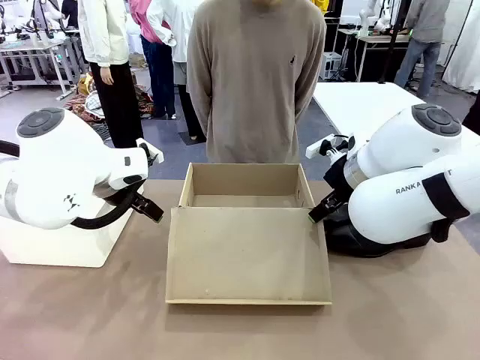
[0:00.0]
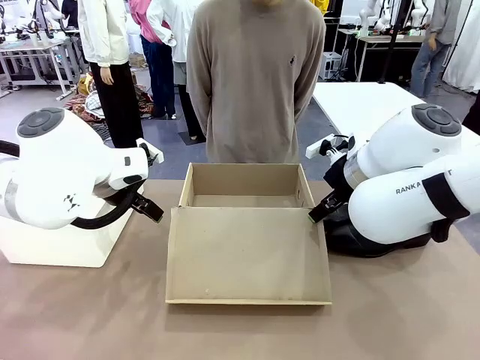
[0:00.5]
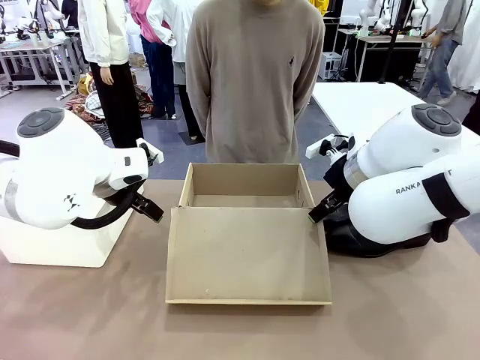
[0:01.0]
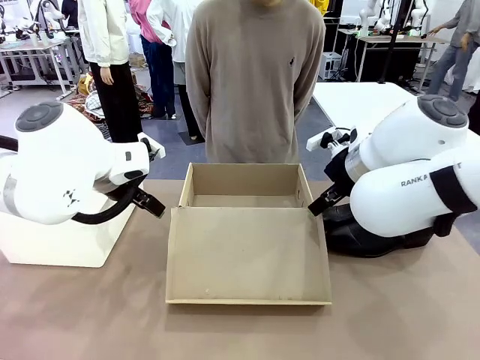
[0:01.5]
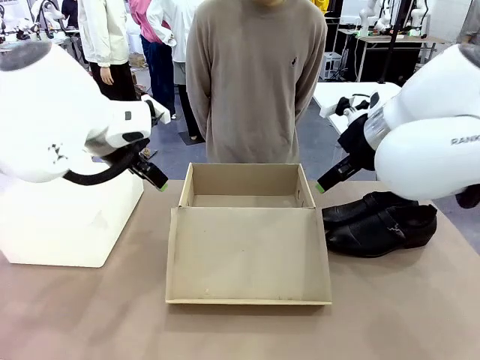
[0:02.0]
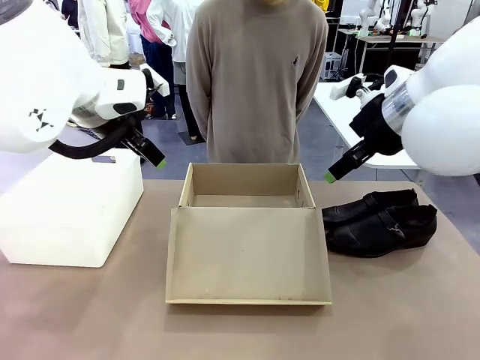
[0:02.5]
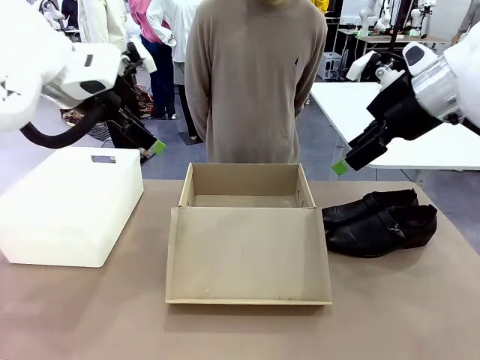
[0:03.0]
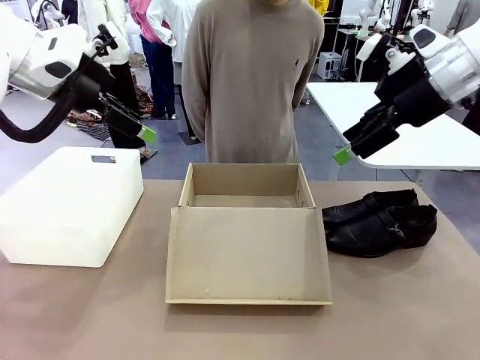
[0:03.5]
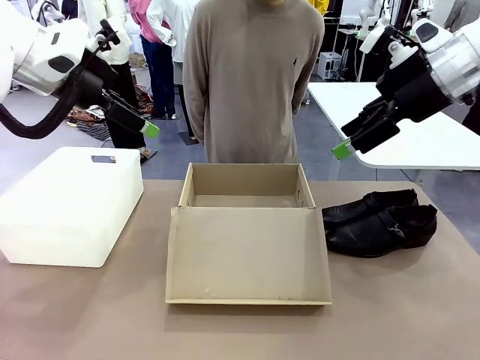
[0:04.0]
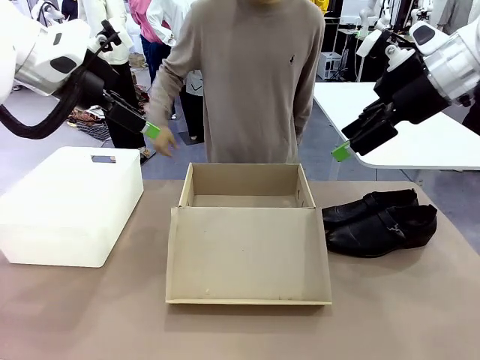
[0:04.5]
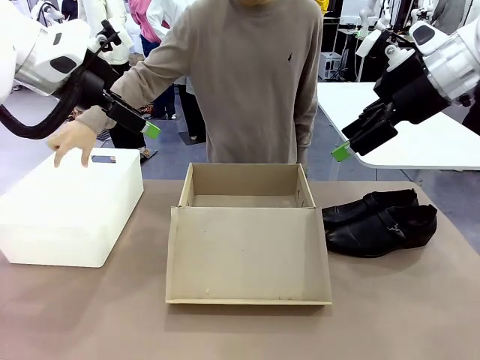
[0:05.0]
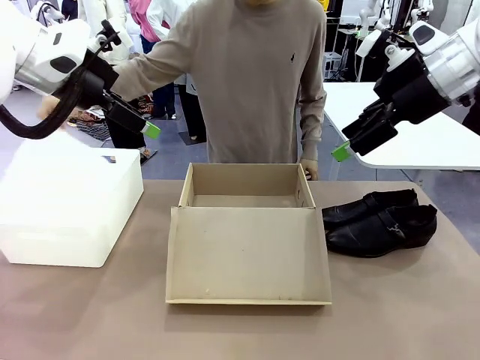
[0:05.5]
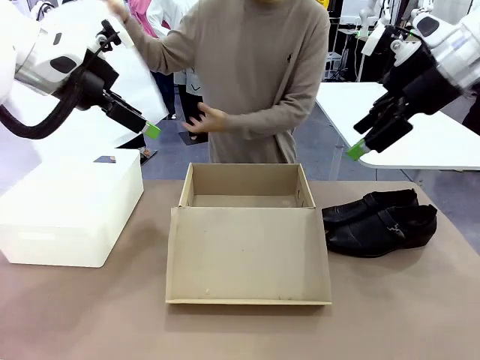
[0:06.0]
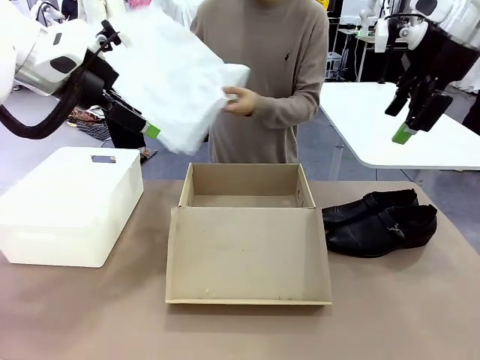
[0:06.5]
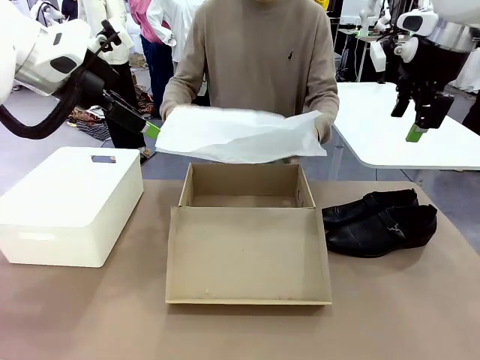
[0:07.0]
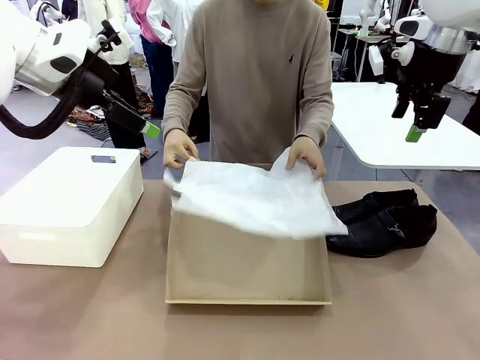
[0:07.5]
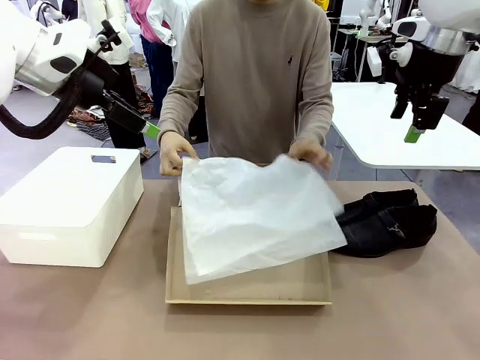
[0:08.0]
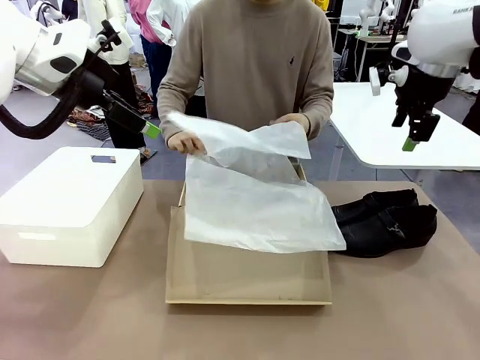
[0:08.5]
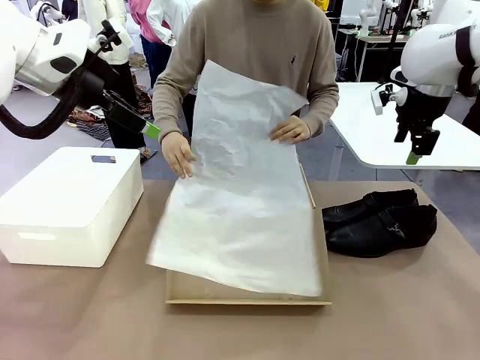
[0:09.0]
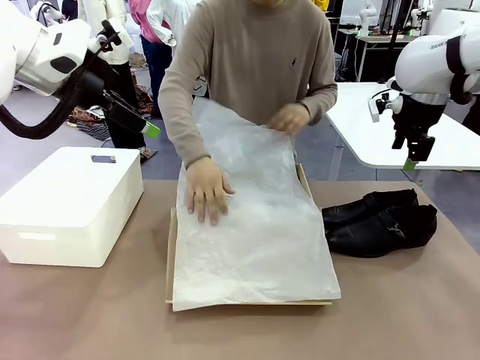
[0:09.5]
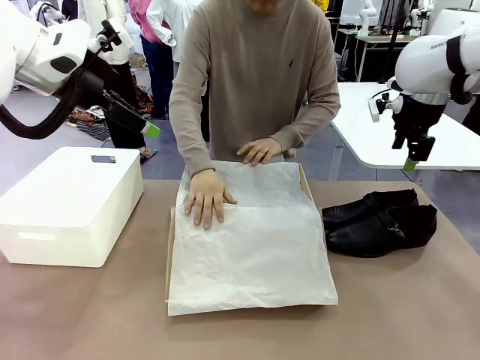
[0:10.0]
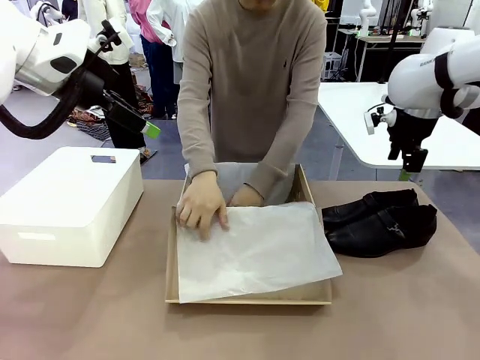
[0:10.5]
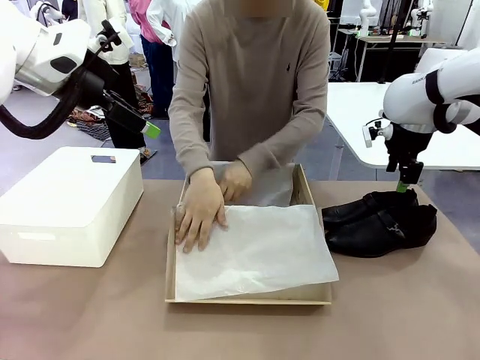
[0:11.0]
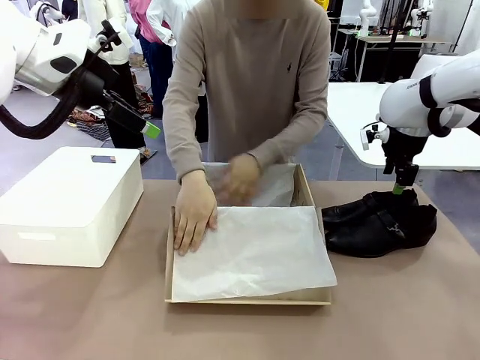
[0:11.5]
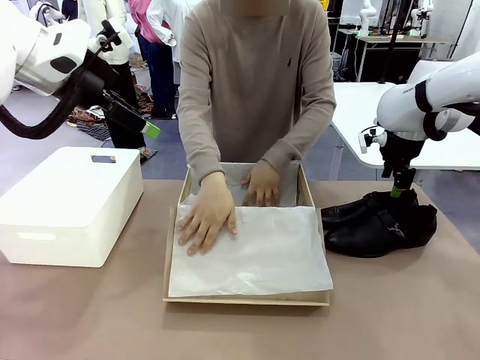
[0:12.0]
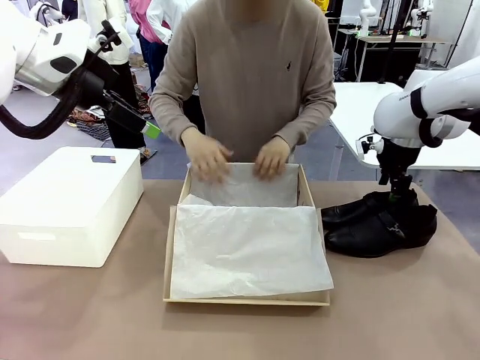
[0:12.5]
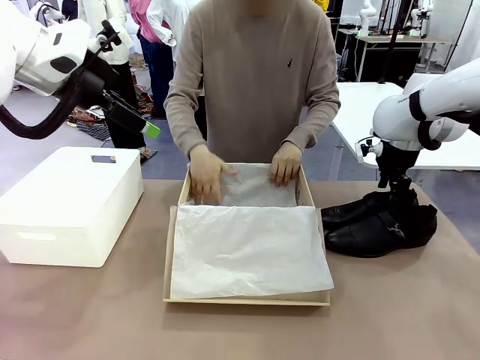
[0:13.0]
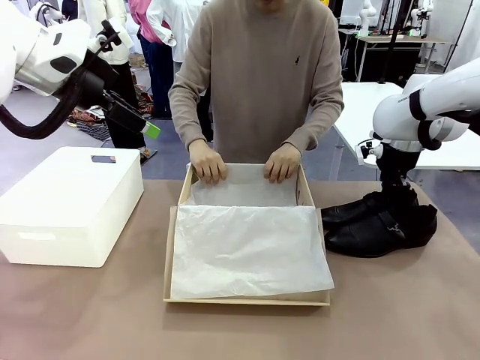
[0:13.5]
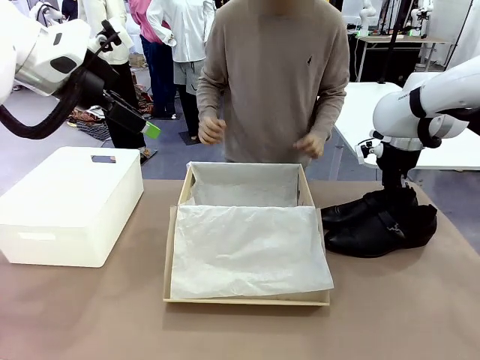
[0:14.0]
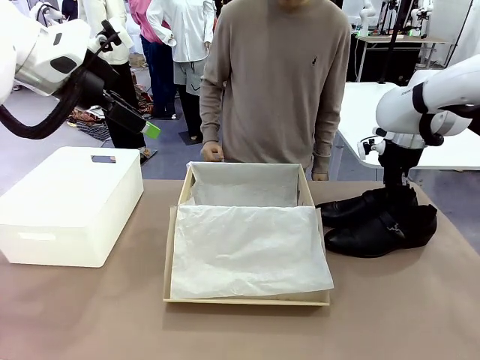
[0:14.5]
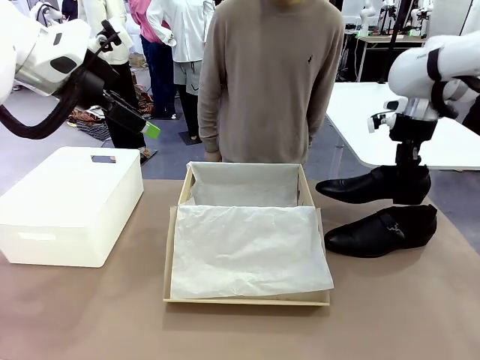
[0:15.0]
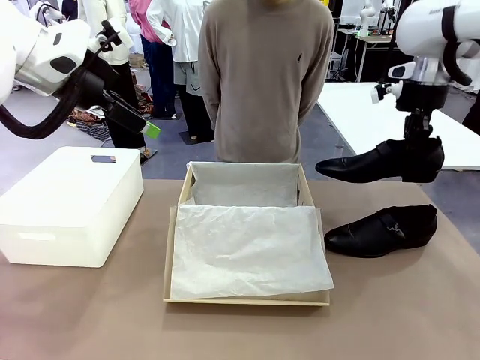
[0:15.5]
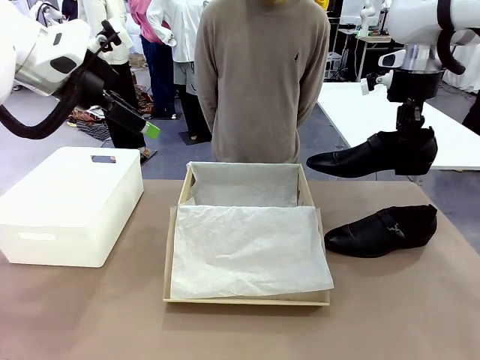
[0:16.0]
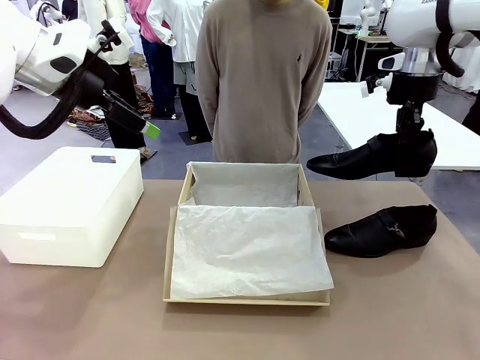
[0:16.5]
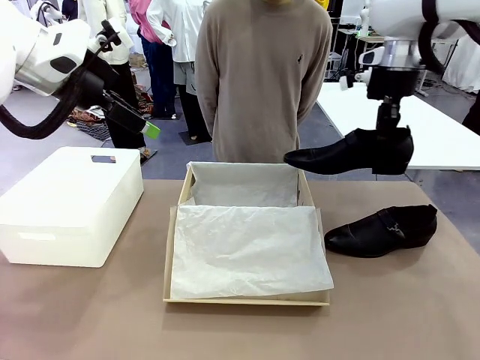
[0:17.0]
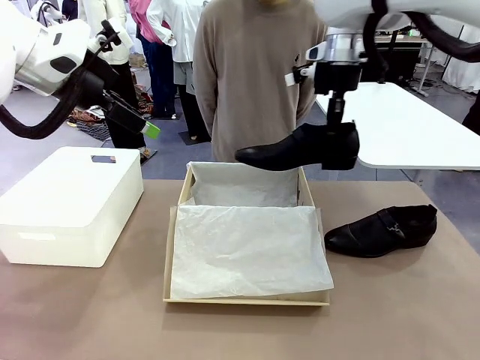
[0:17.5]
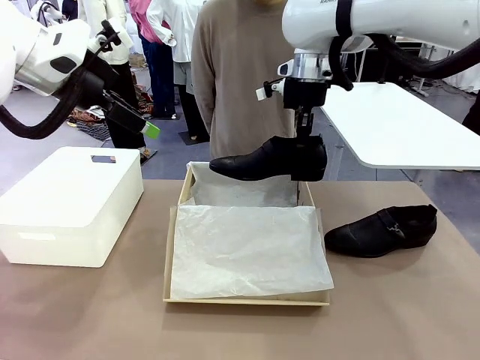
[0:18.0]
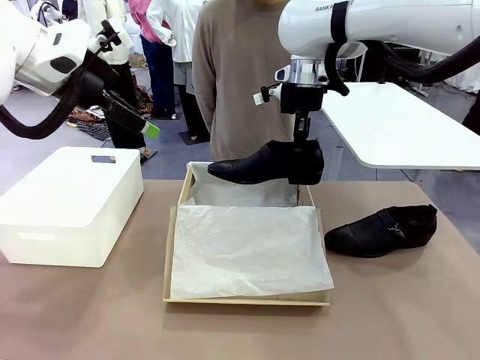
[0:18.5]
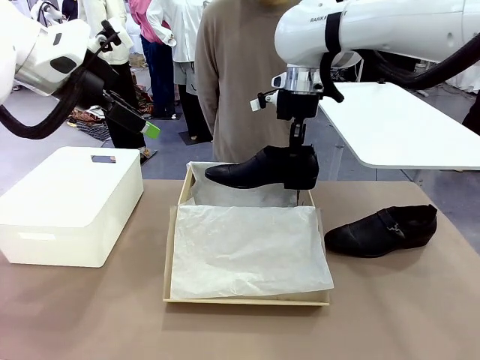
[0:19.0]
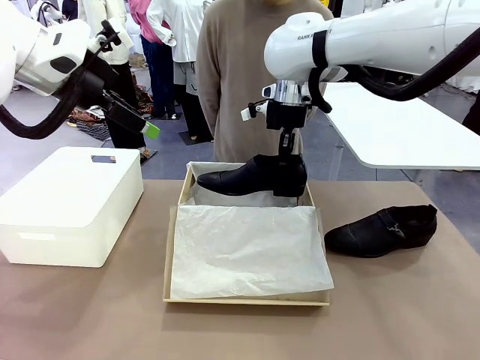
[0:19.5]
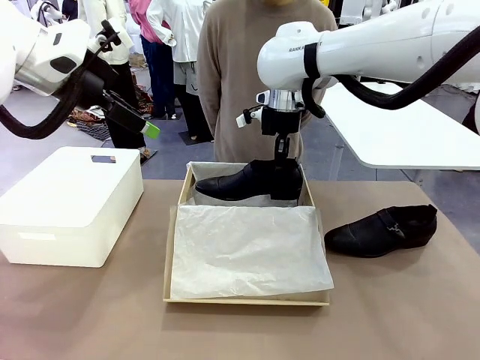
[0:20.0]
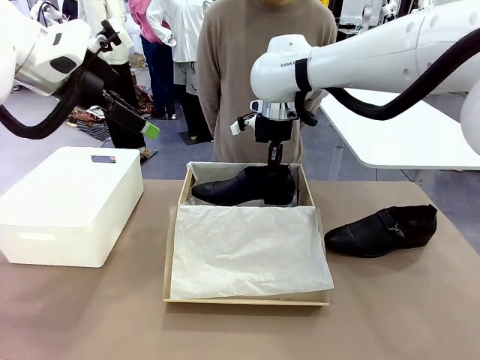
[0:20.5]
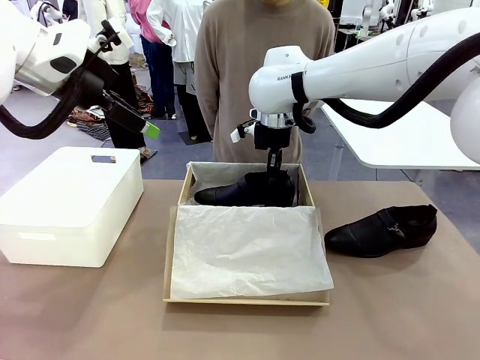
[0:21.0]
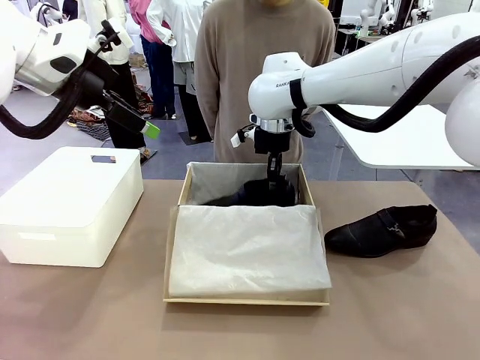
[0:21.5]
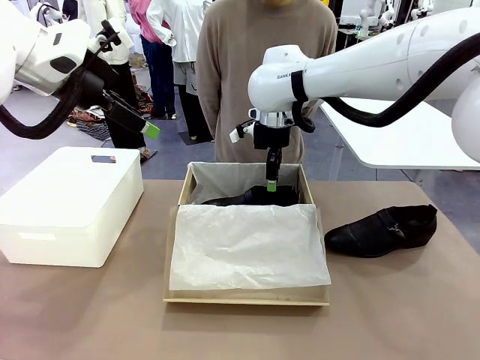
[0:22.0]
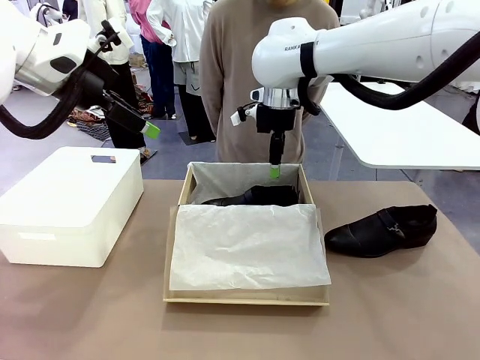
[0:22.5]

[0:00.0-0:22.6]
Task: Pack the shoes into the box.
Robot: Place one shoe of the Shoes into the Shoes Box.
Person: Spread Shoes Wrapping Paper and place inside the Shoes Box.
